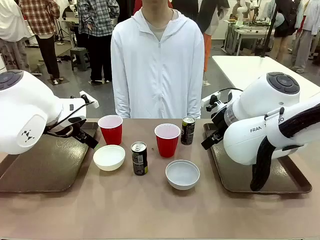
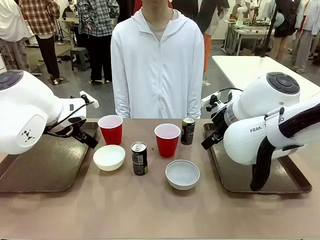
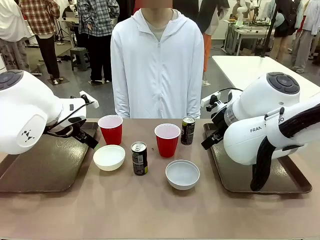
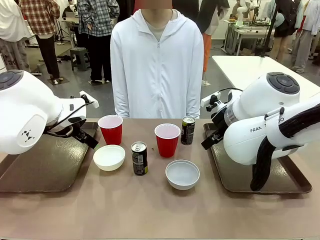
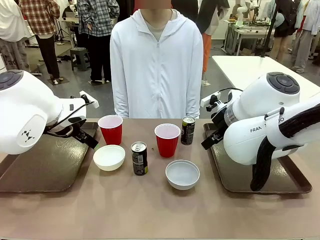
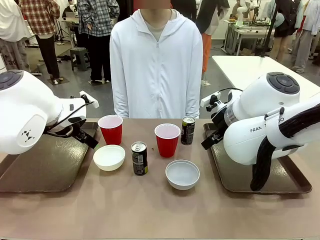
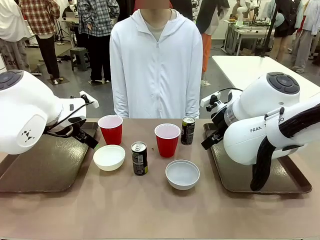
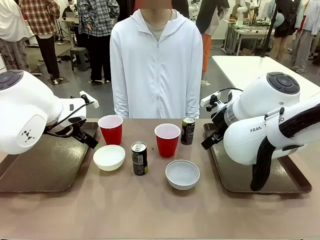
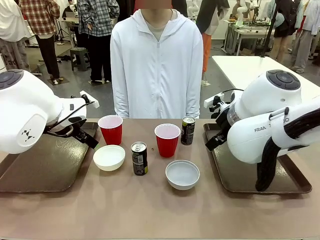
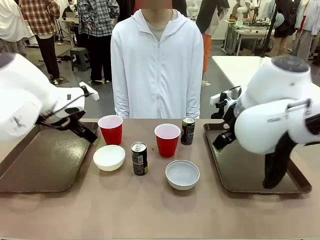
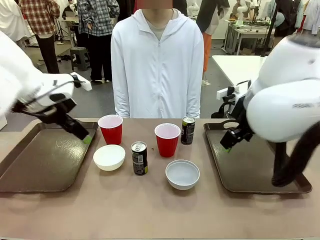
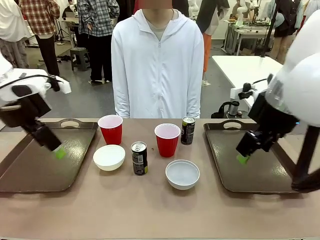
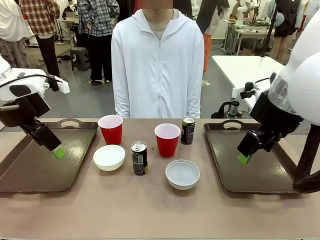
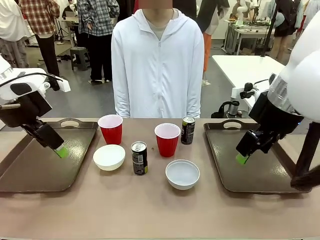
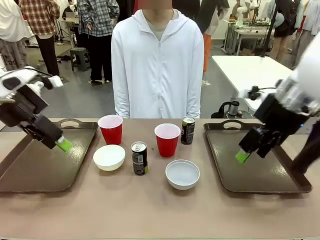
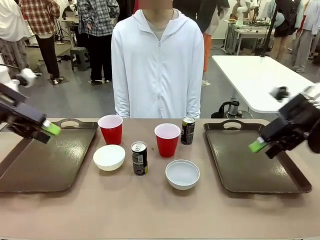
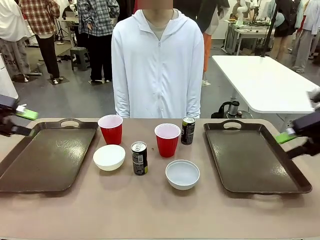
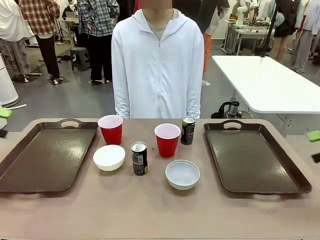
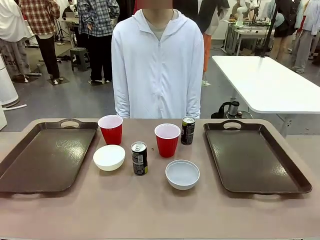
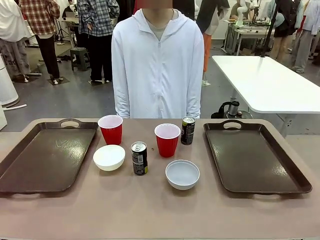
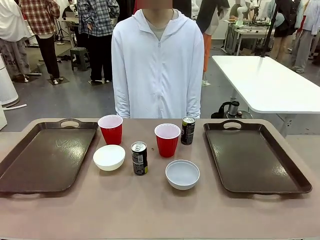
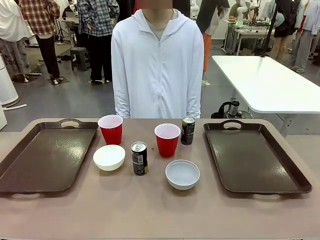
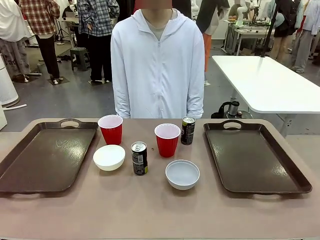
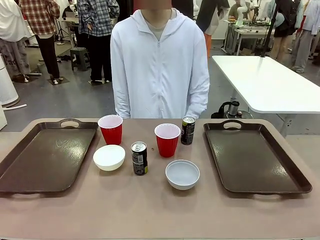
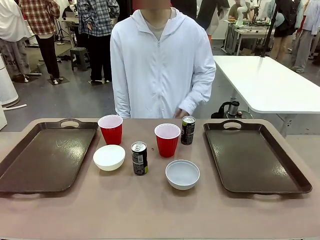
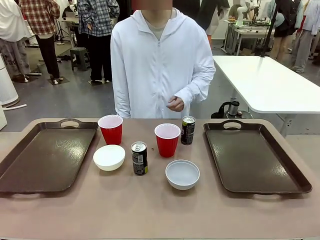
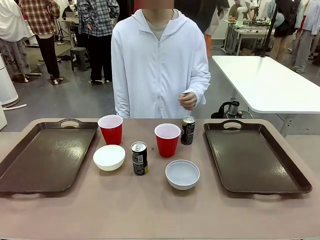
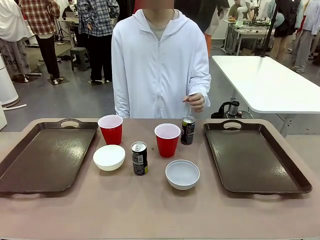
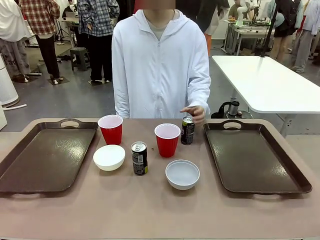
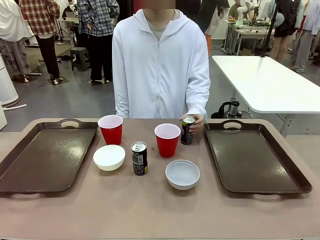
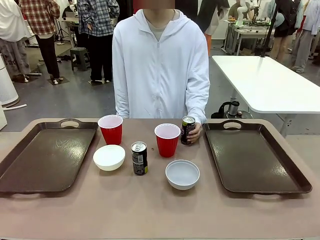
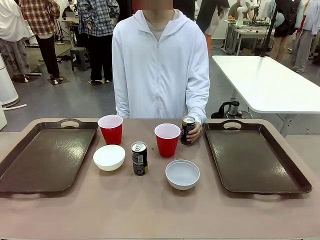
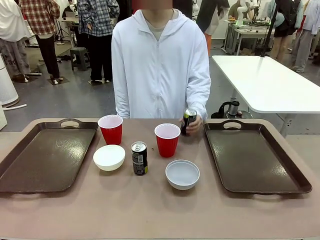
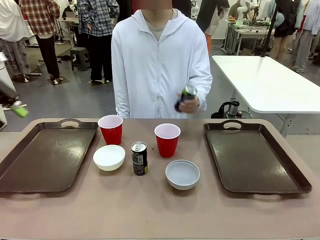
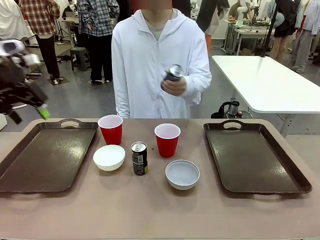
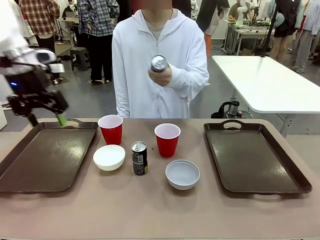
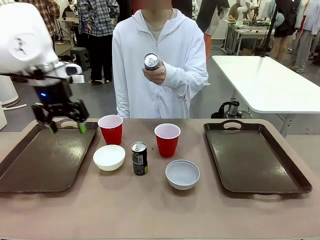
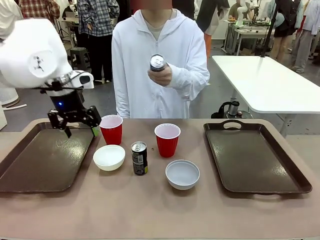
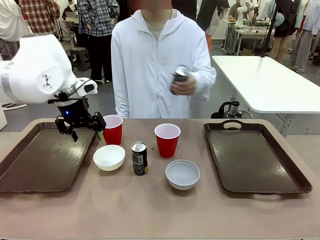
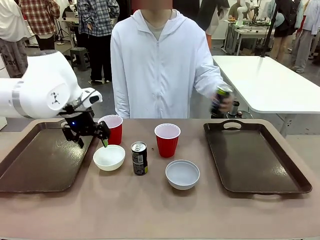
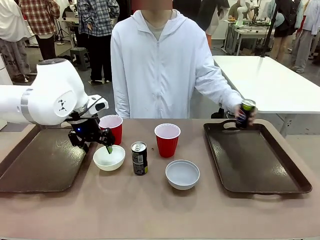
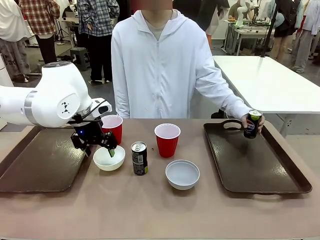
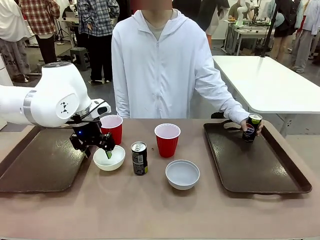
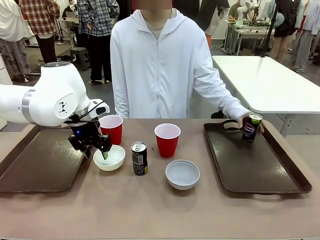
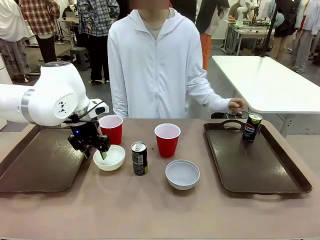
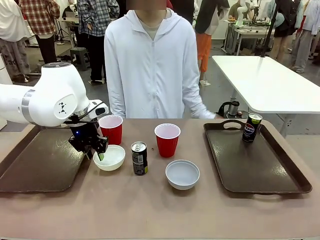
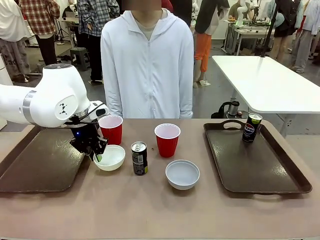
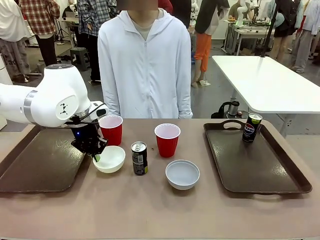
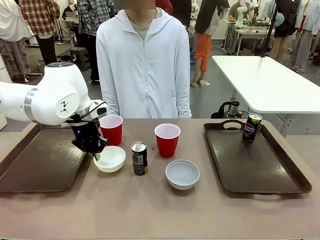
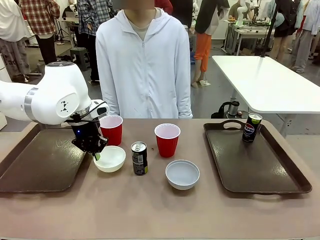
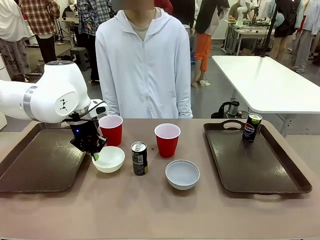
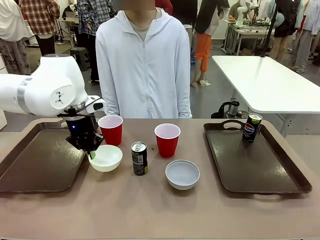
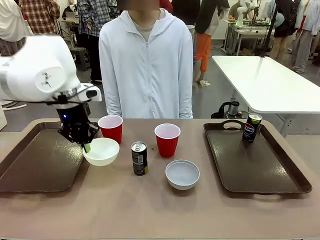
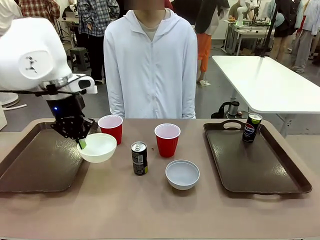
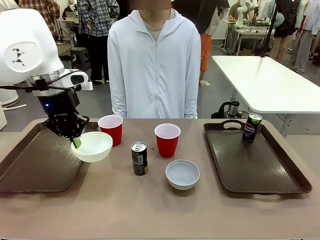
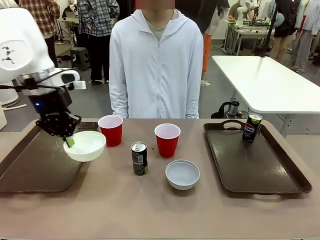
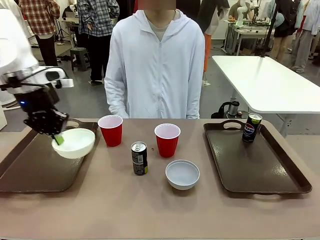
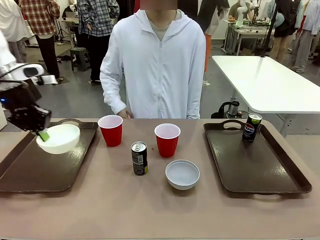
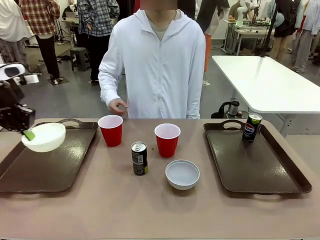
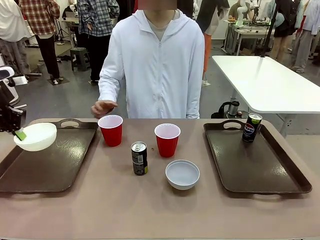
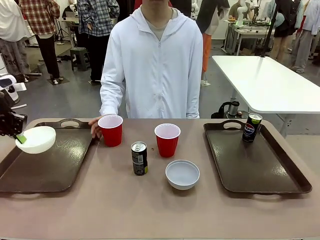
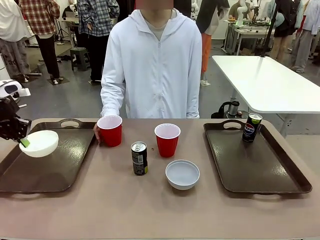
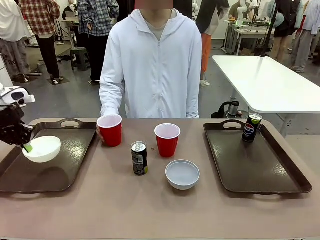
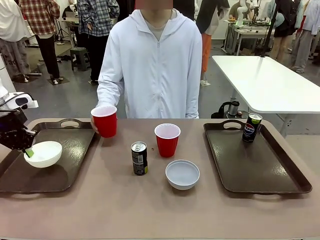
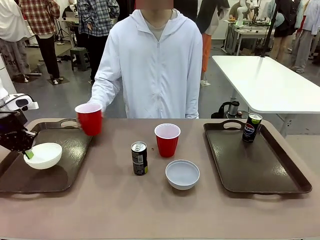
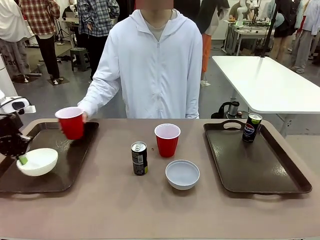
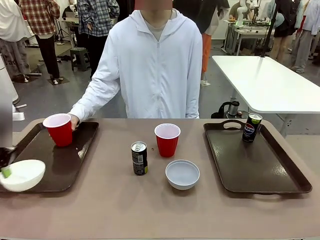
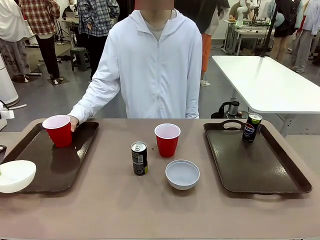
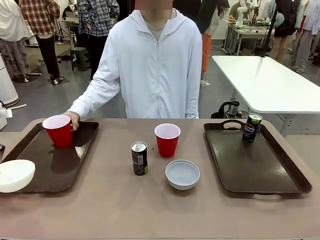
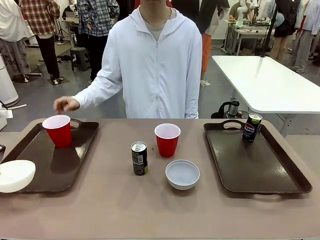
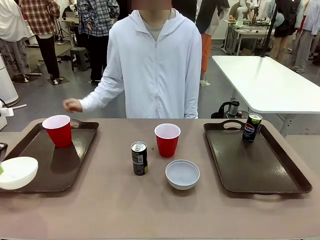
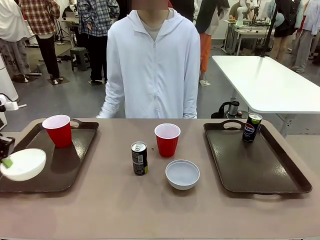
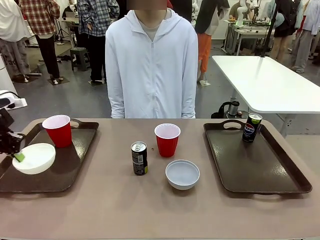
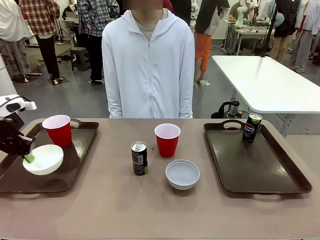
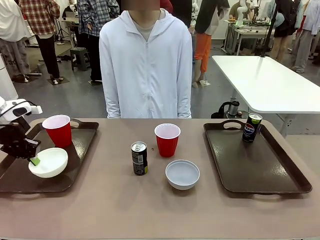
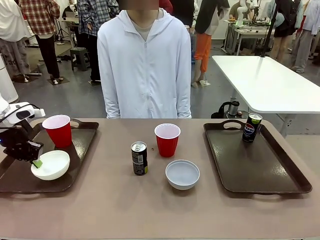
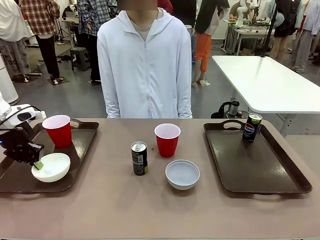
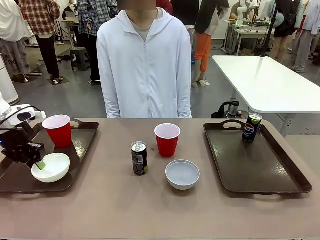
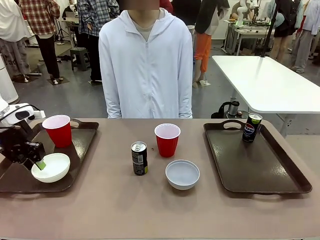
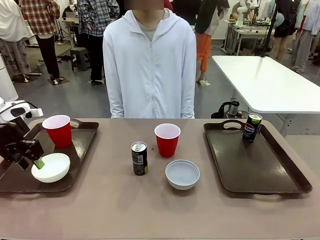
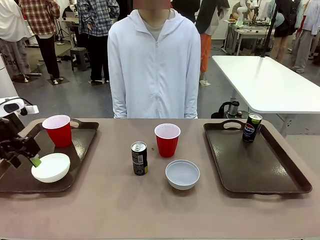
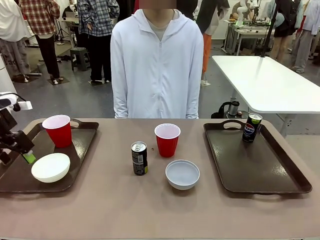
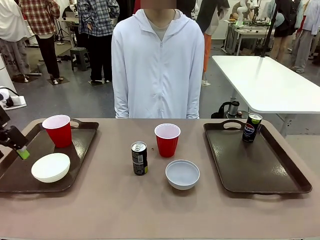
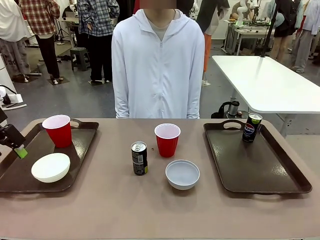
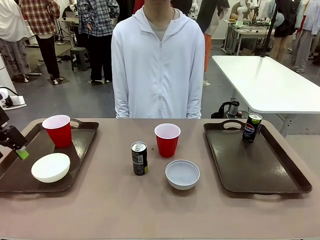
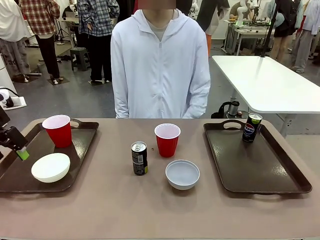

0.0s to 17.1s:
Task: Prepare tableware on both trays.
Robot: Pick up a Picnic Bowl from the table and place it on a Handle tray.
Person: Pick up a can or cup and place it on the tray.
